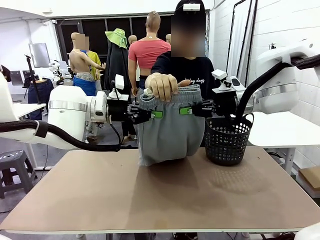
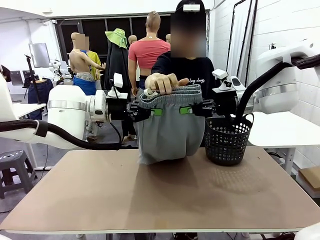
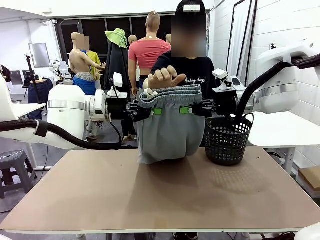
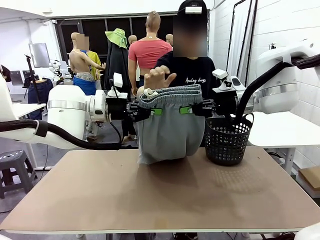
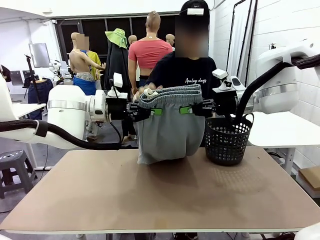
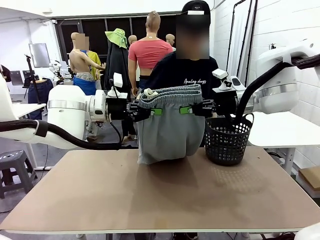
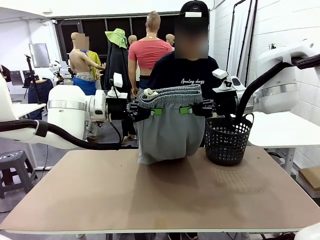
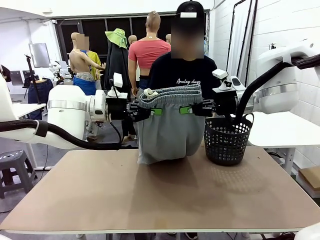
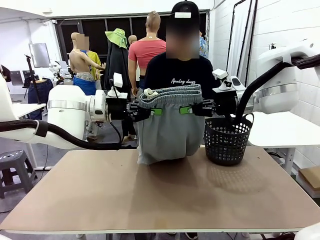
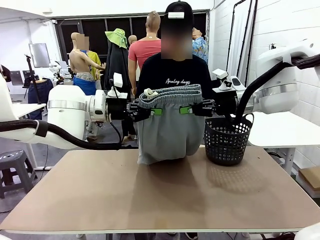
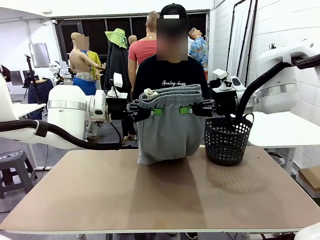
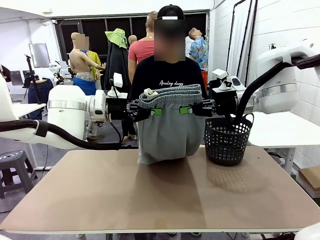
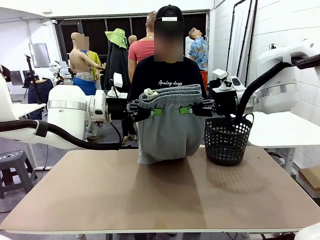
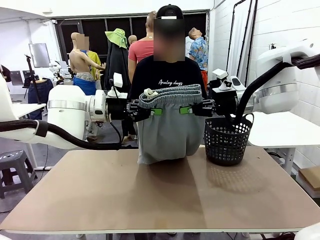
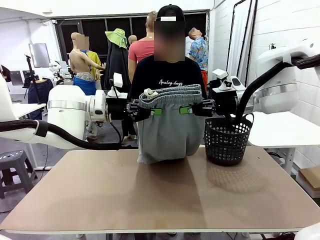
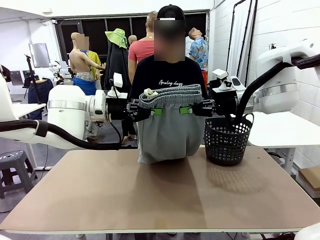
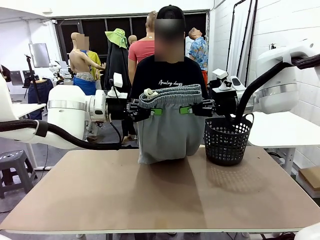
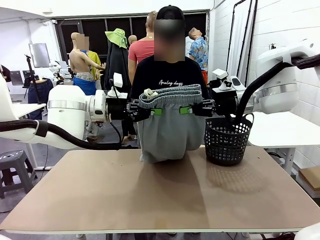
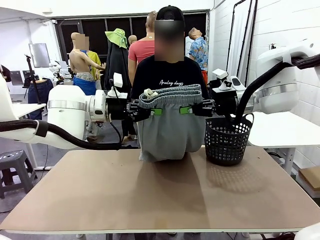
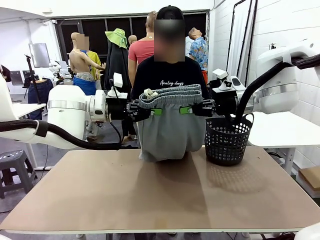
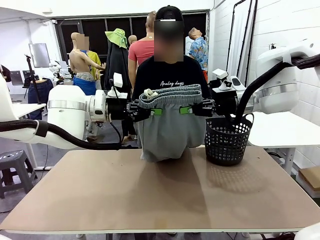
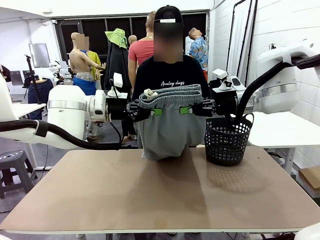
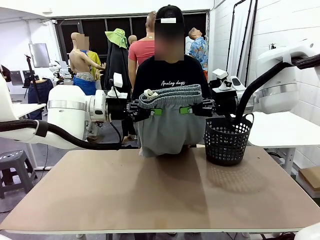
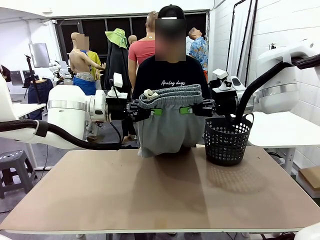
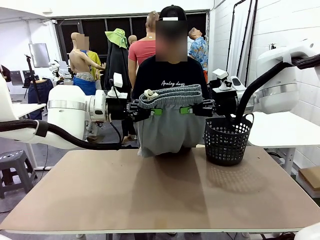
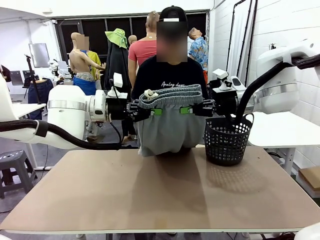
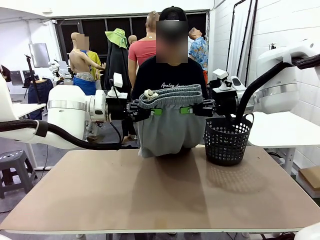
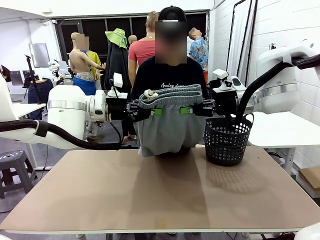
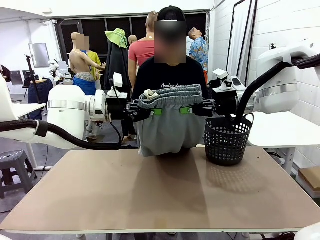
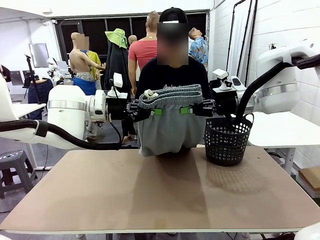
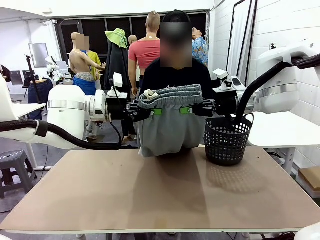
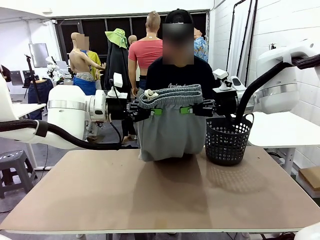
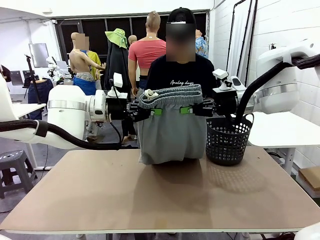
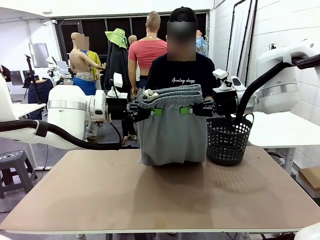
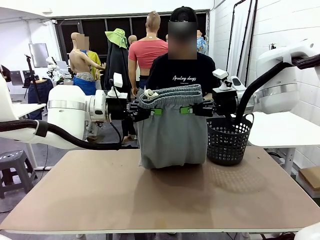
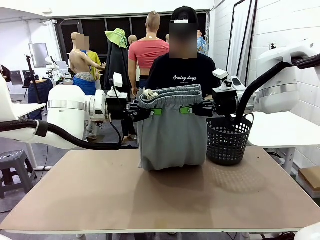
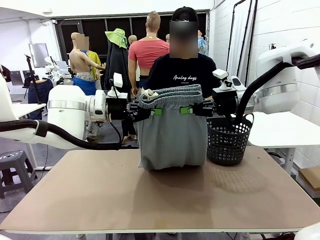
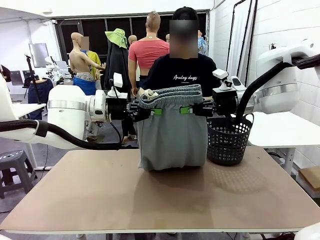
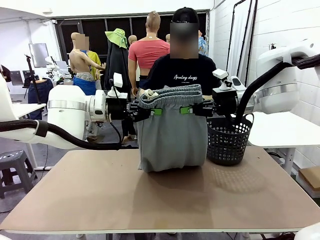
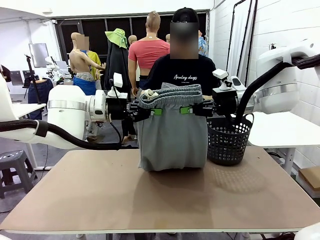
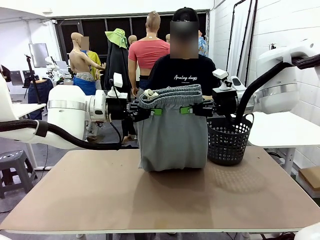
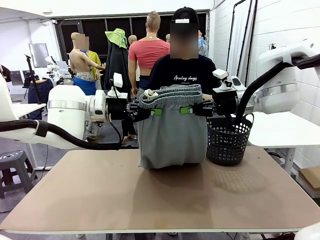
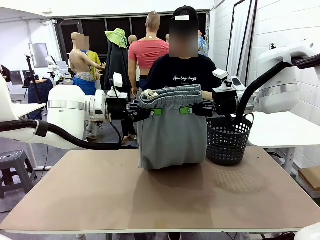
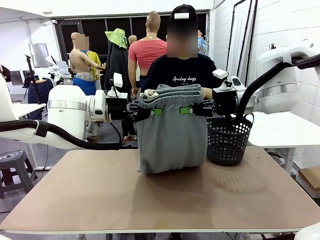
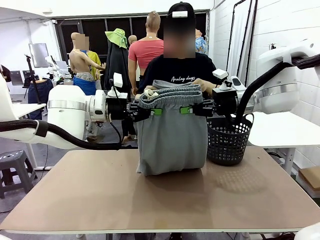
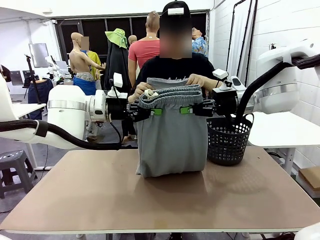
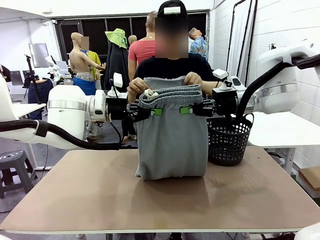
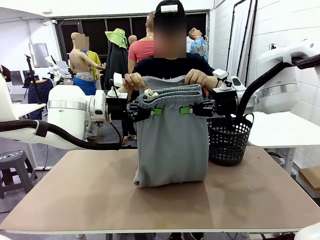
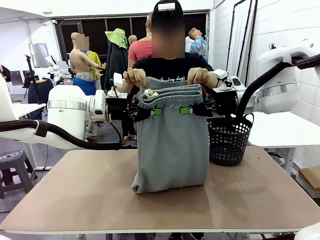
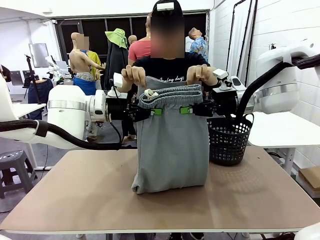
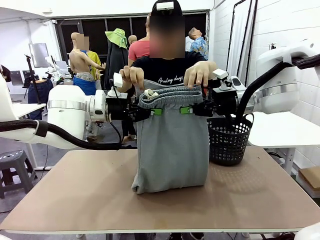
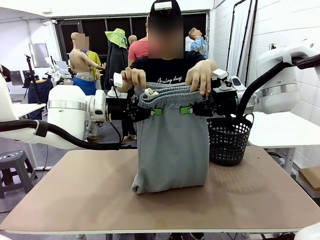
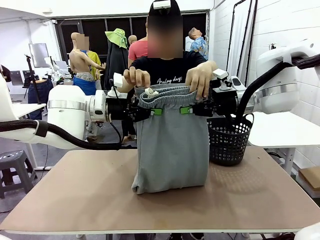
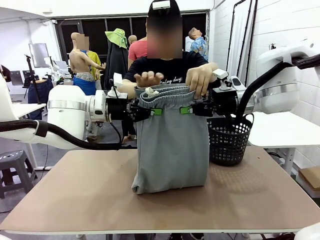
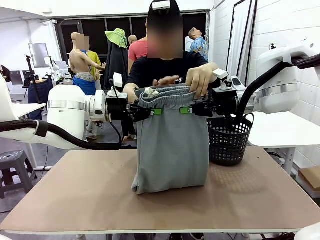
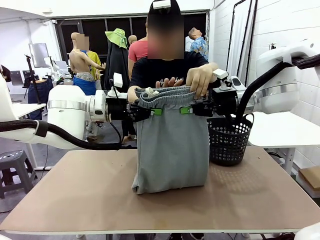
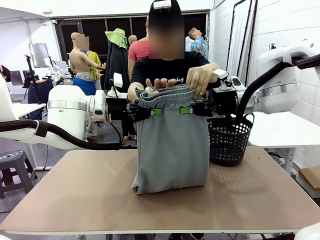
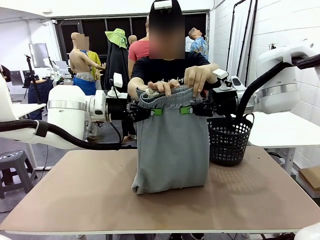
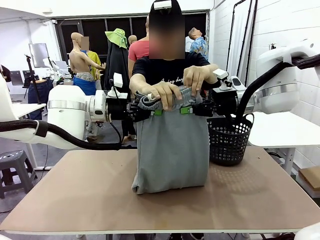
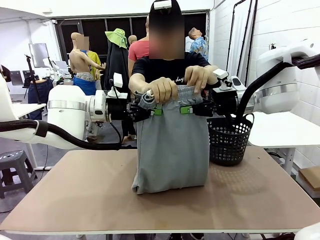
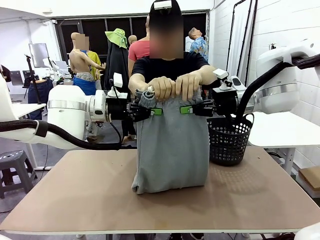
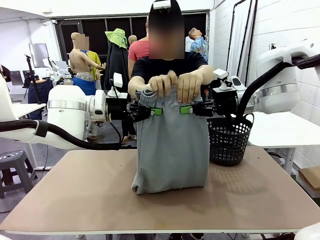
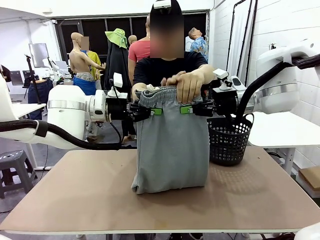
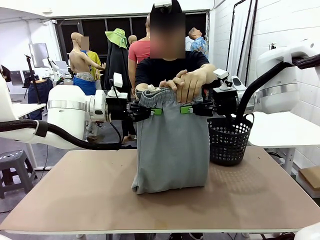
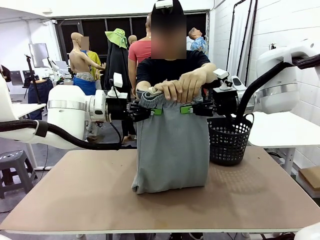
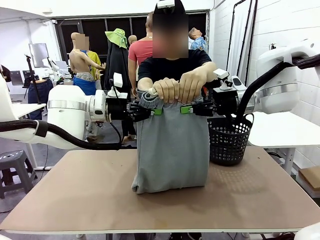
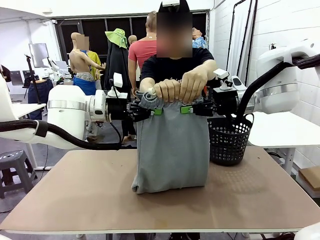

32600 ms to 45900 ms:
Task: Fold the training pants.
Robot: Release the ends of the Training pants and then grab the overlapped ends.
Person: Grasp the end opposite the point the robot is holding, fold the pants in half, and then grasp the overlapping top end of the folded pants.

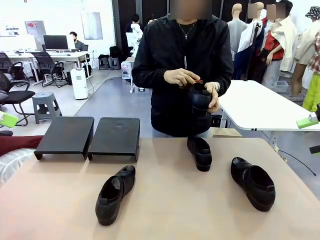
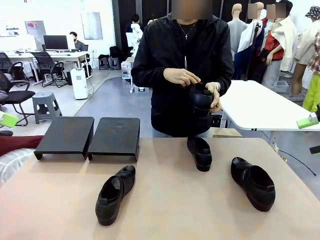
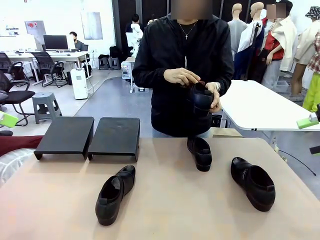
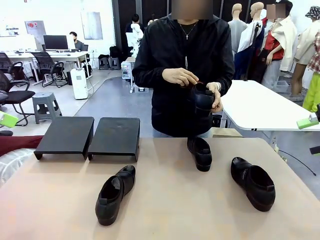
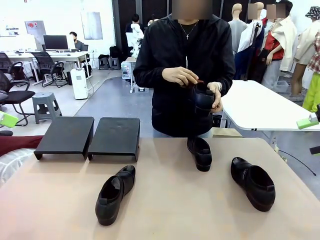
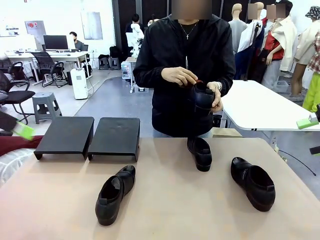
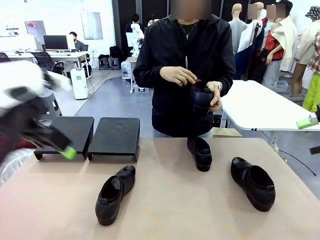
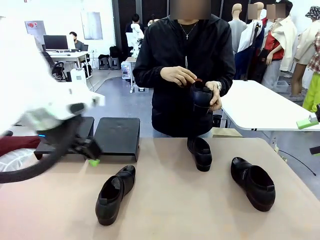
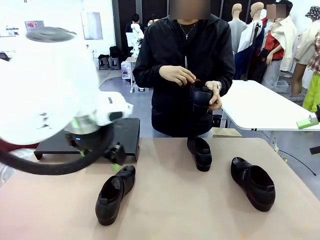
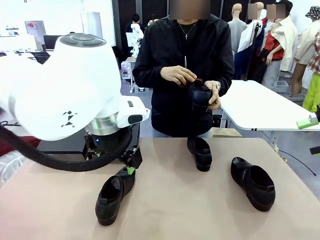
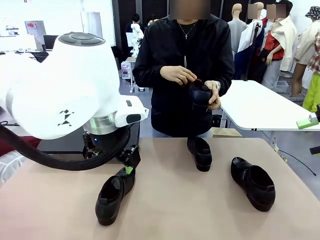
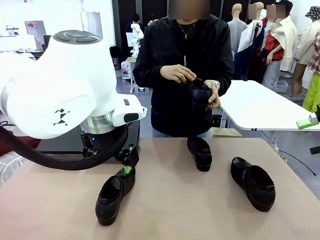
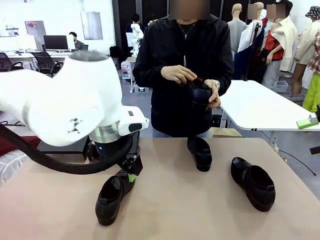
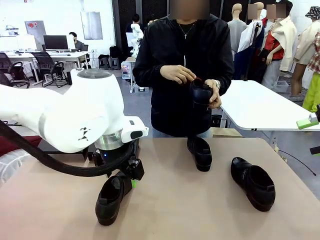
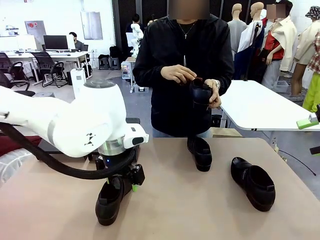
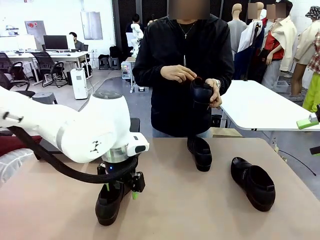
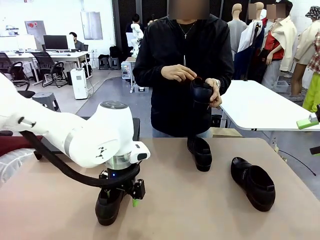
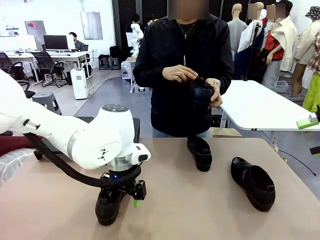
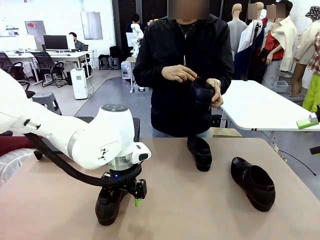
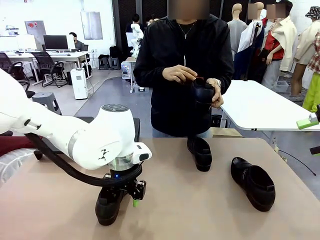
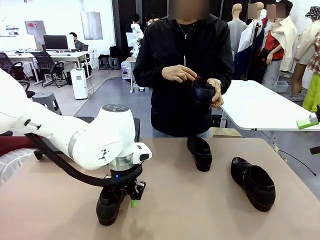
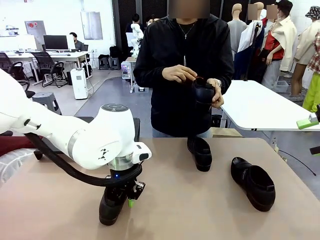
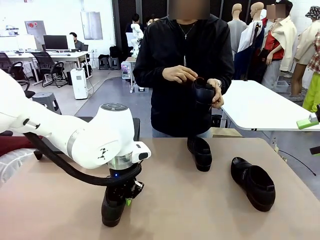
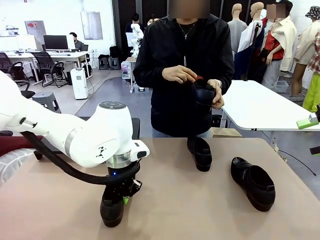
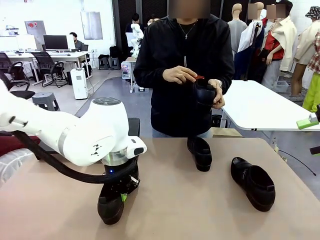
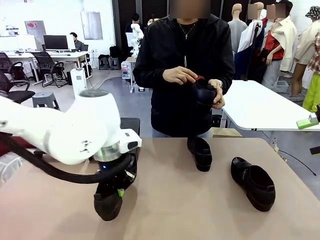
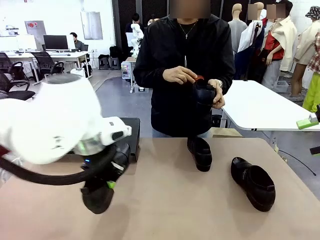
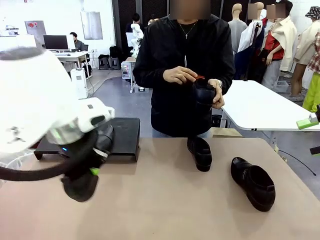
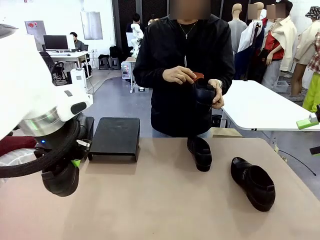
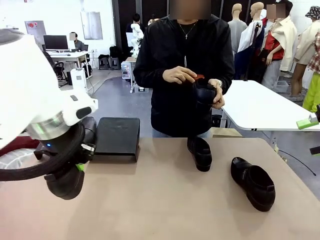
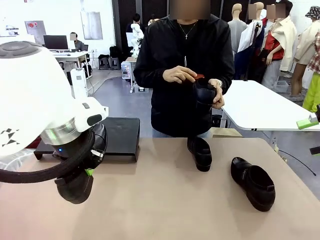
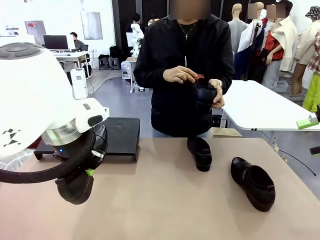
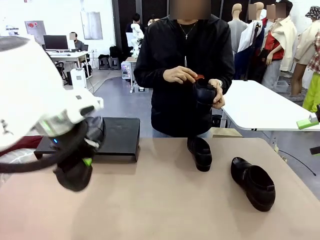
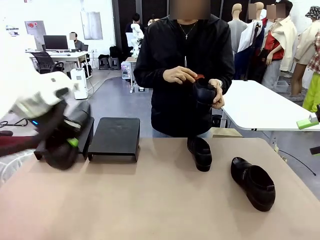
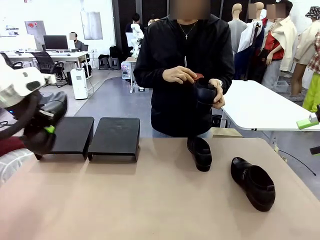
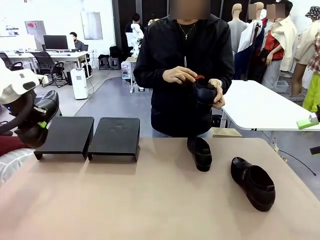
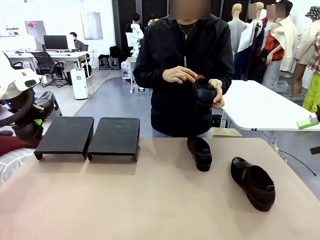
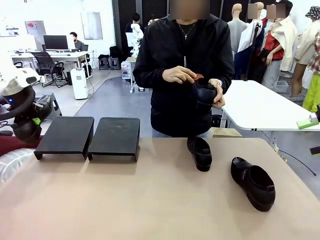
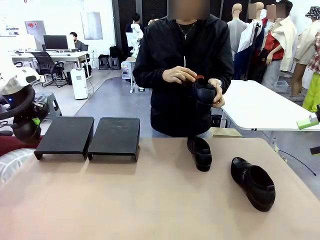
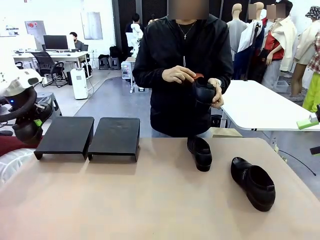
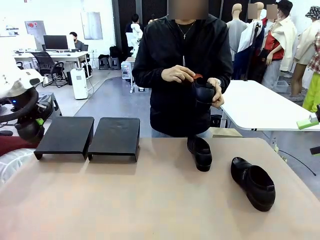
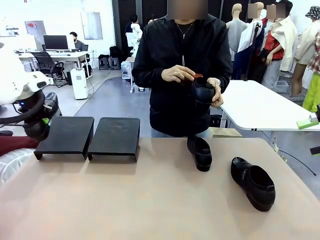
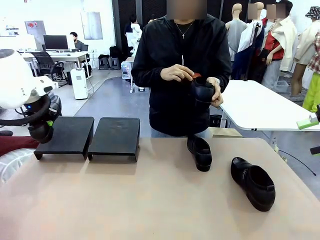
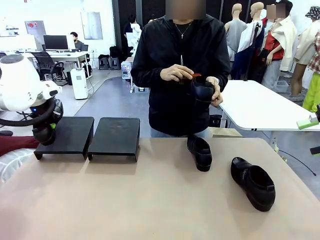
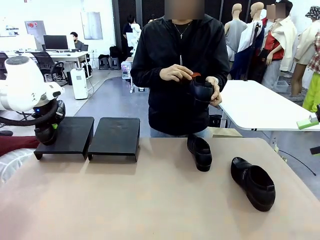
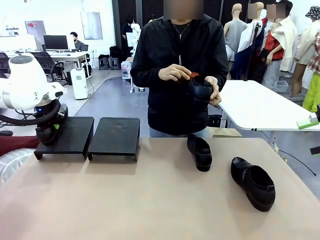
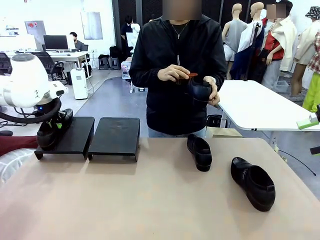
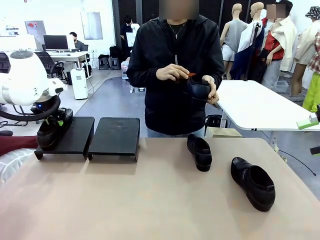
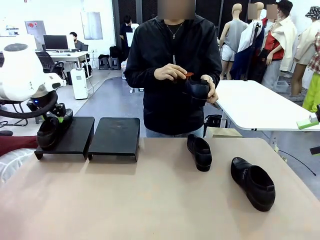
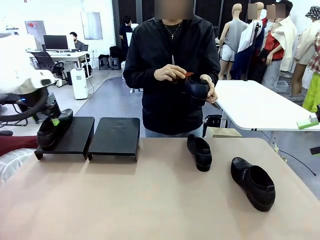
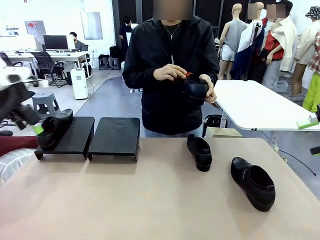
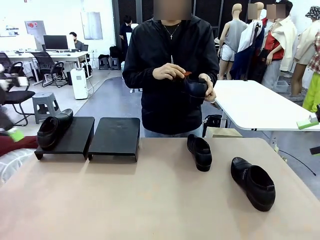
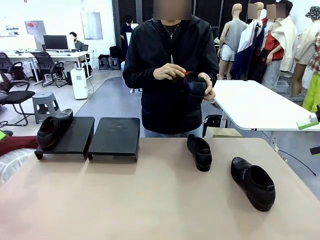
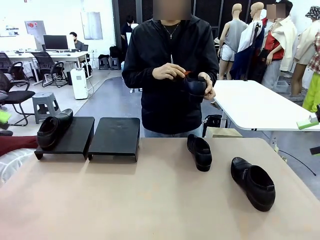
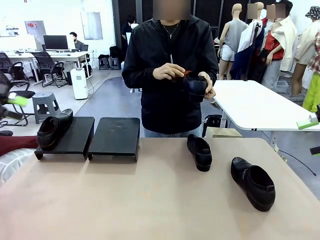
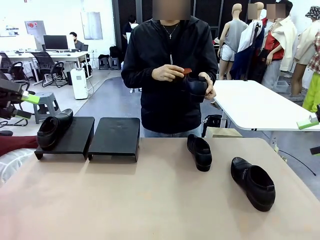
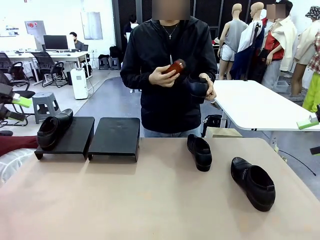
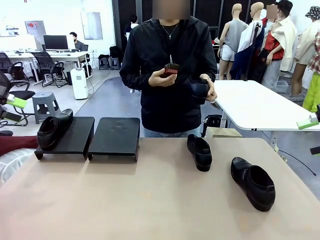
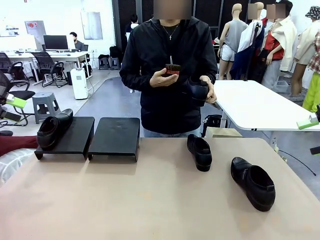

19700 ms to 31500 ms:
Task: Organize the shoes by placing them on the stand.
Robot: Place the Shoe from the middle of the table onto the Shoes Stand.
Person: Clean the Shoe with the Shoe Brush.
